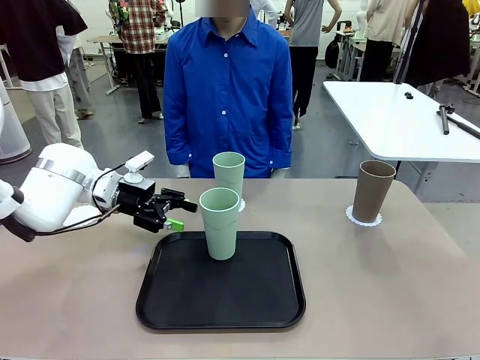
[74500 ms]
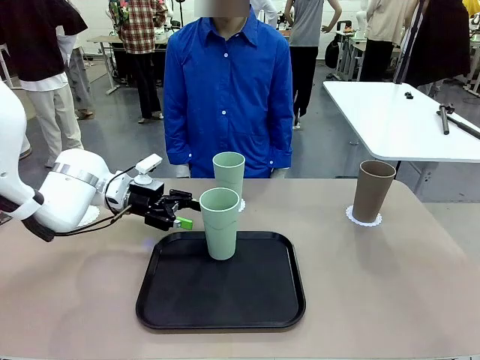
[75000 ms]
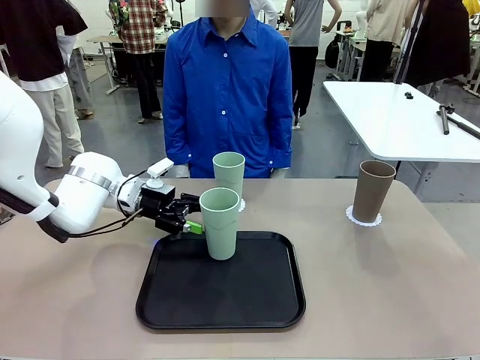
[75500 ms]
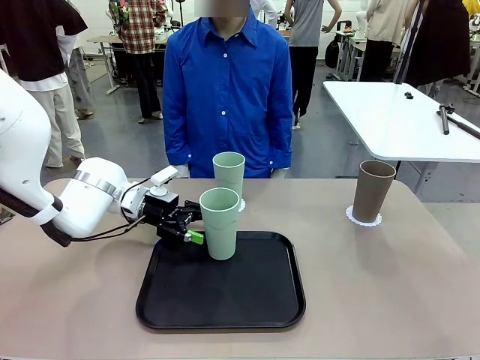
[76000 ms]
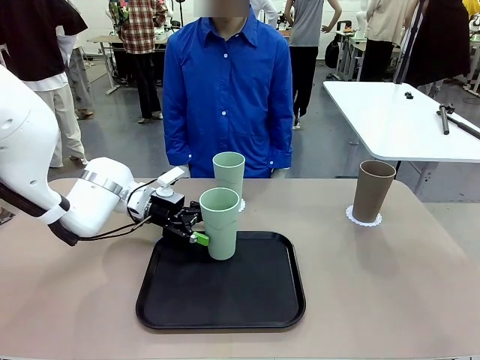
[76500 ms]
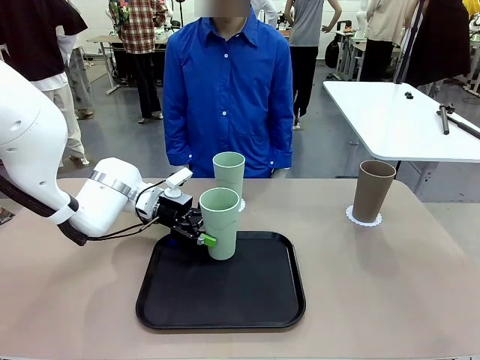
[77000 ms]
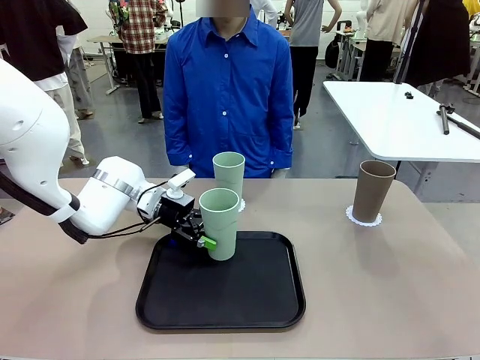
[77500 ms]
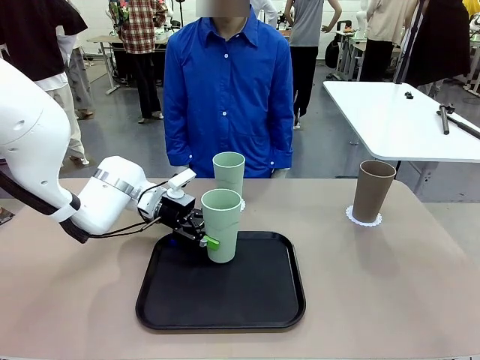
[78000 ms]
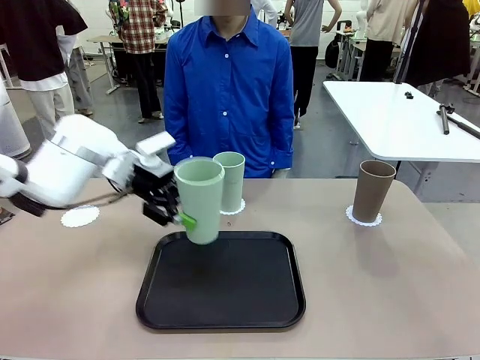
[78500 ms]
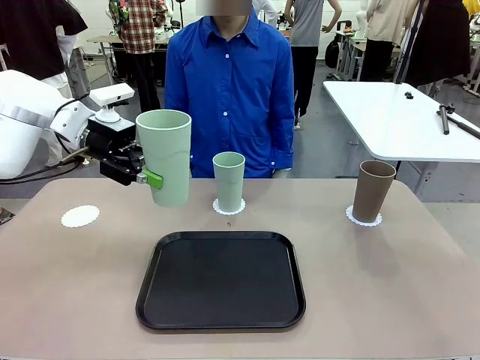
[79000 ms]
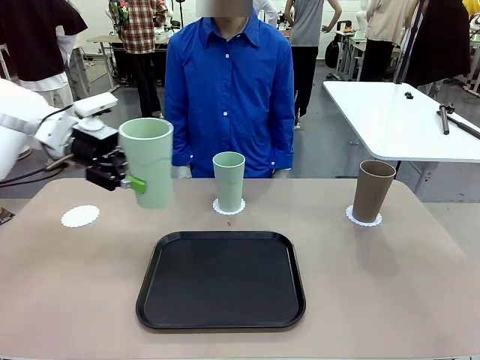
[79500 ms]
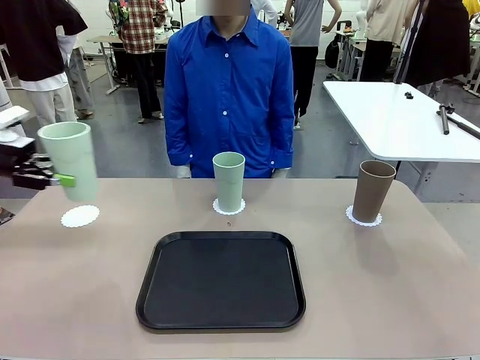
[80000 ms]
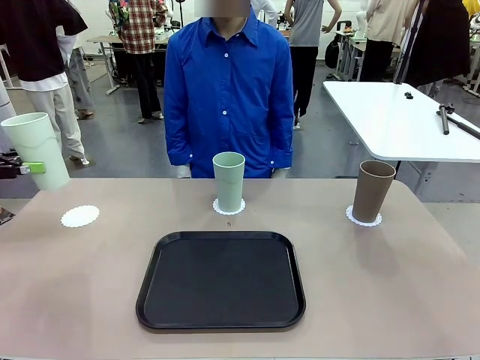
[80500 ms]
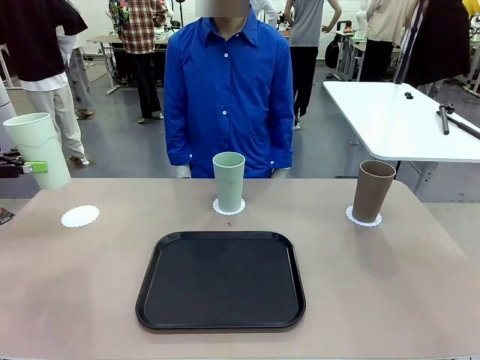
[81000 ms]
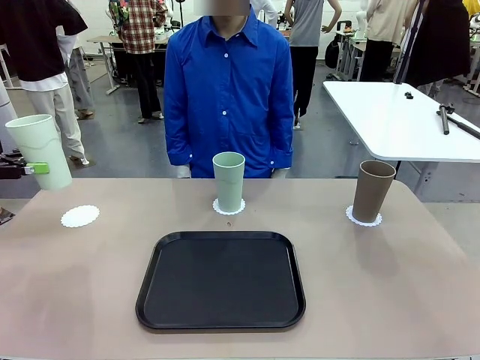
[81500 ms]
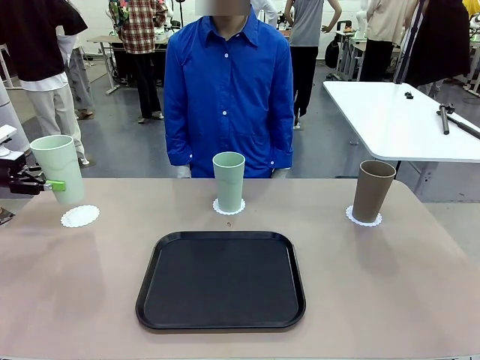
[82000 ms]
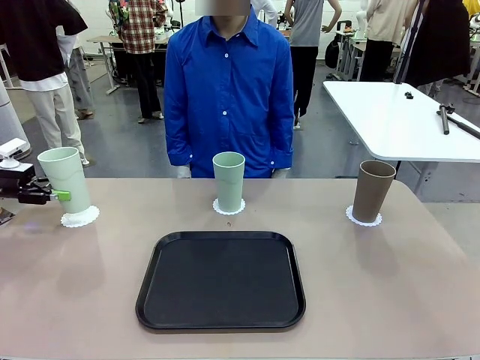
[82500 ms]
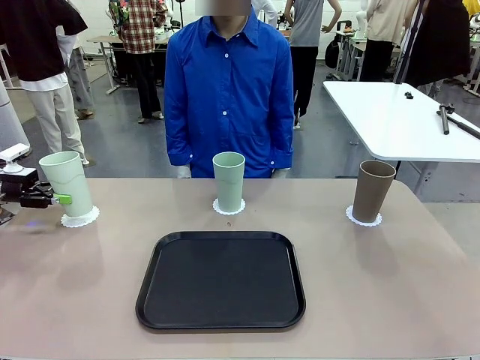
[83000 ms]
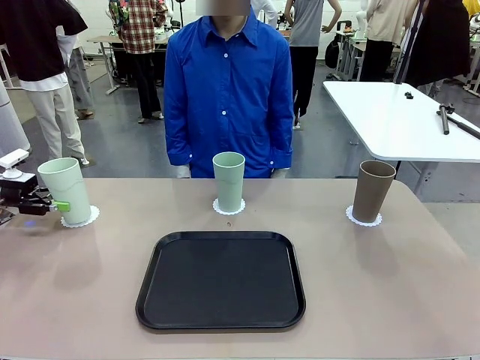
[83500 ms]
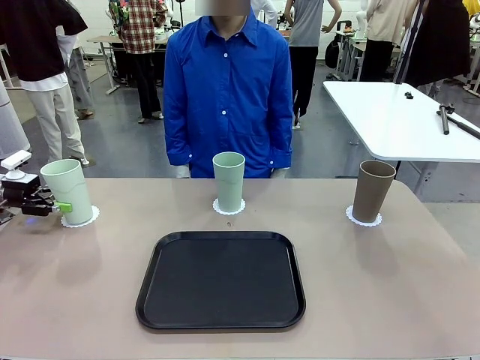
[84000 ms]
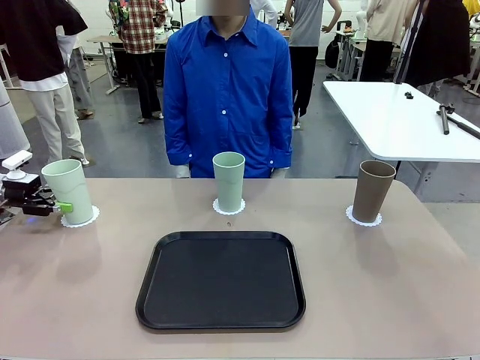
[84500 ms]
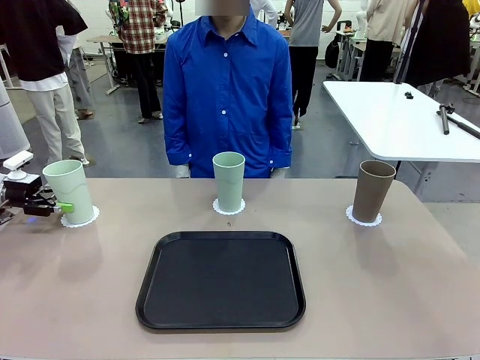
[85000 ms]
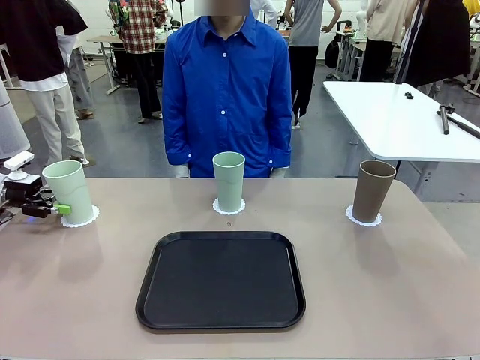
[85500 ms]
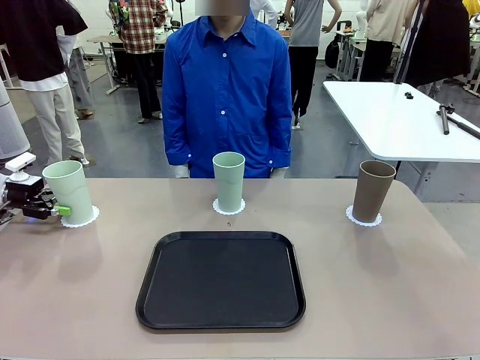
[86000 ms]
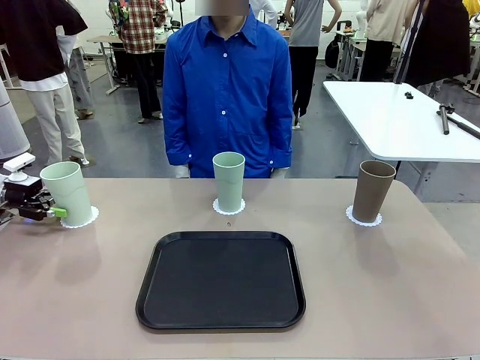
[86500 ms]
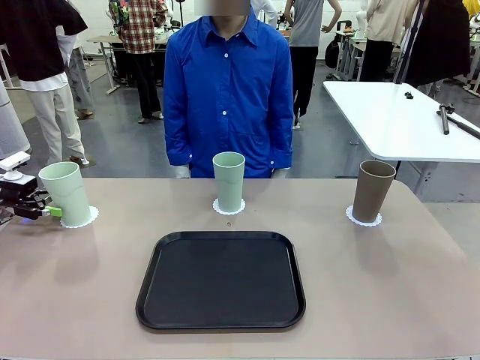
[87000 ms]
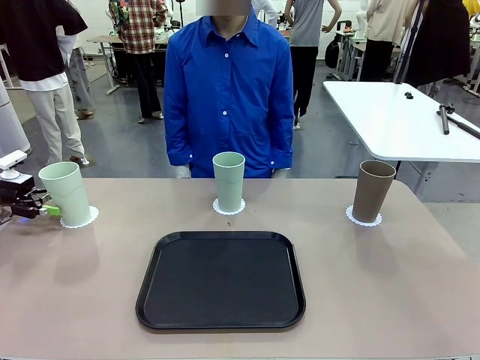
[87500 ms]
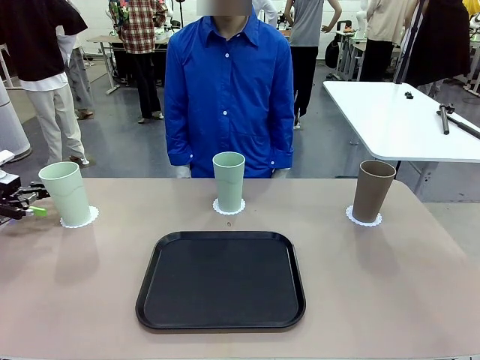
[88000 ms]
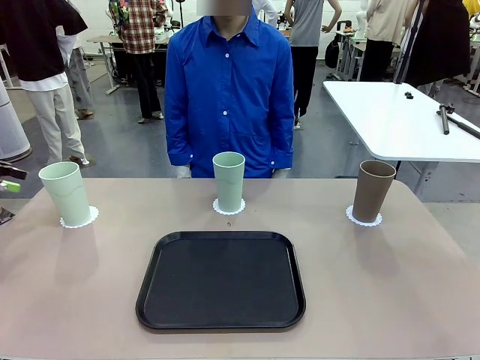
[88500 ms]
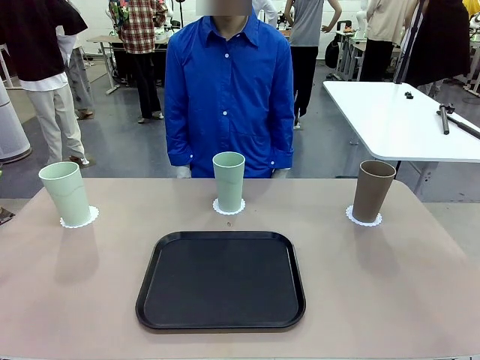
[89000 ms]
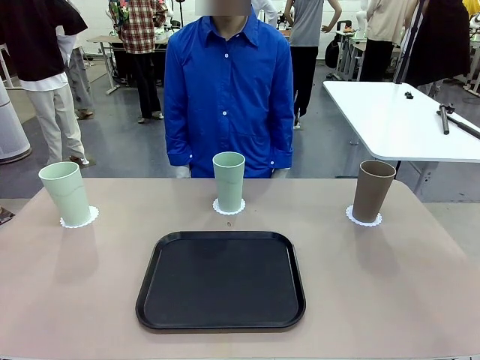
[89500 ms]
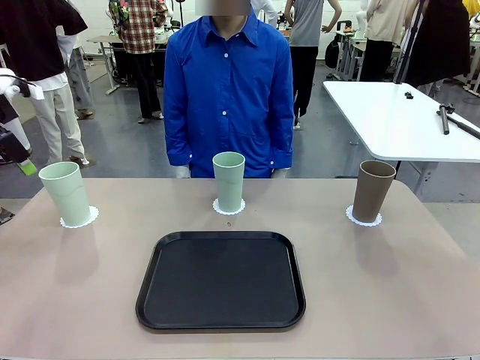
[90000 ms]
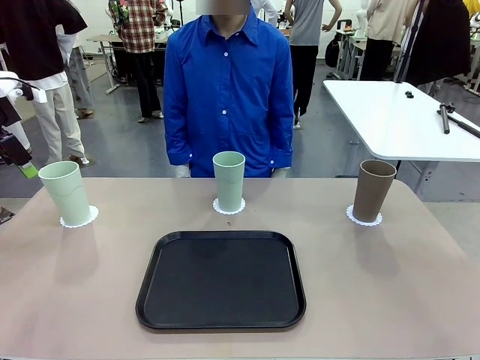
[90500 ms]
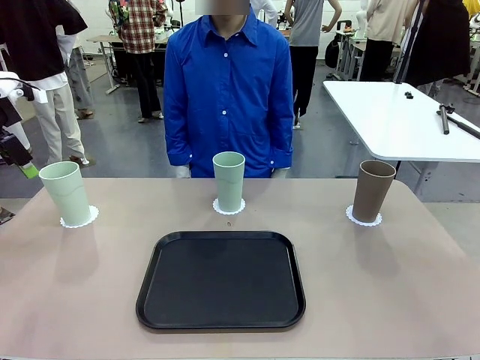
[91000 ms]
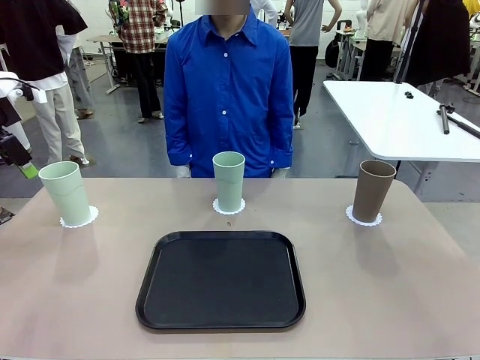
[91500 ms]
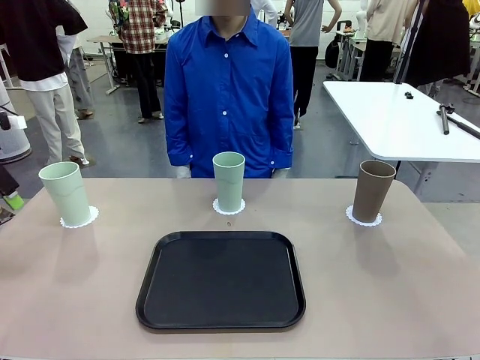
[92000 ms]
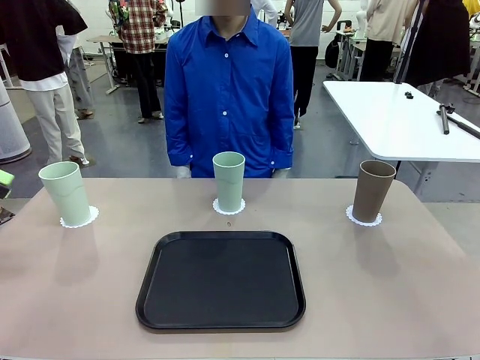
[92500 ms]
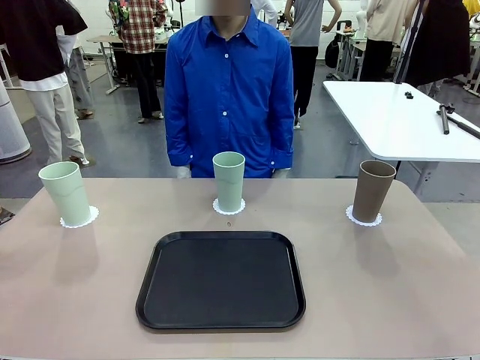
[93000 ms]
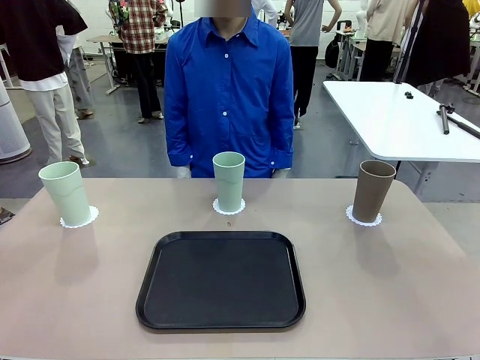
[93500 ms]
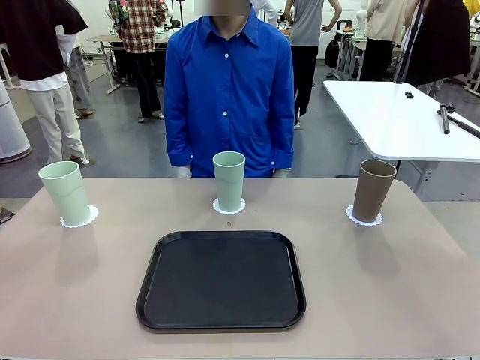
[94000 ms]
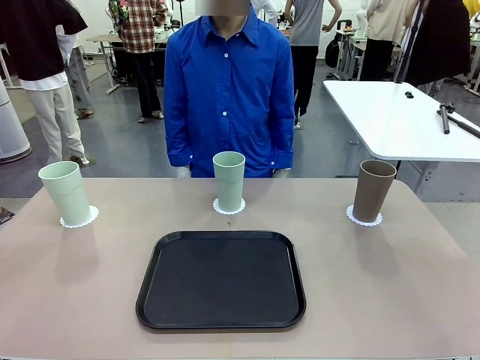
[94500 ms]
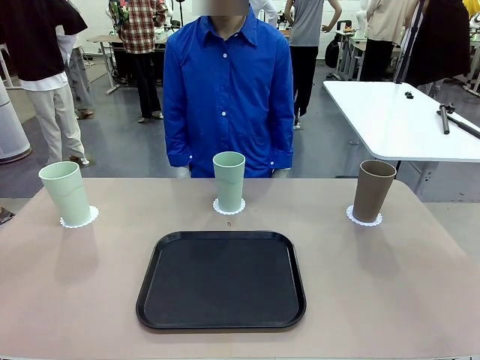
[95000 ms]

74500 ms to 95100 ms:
Task: Place coasters on the table and set cups on them.
Robot: Take one Reusable plastic cup from the Flat Tray and place it on a coaster set by the human.

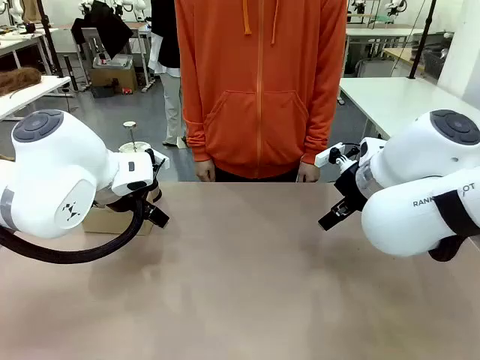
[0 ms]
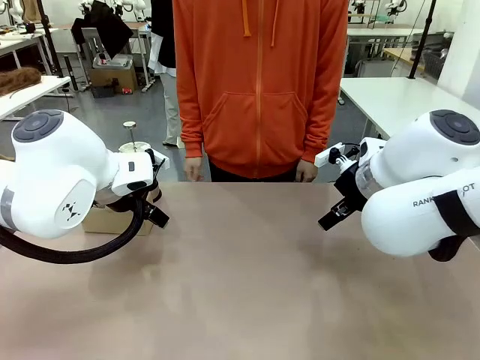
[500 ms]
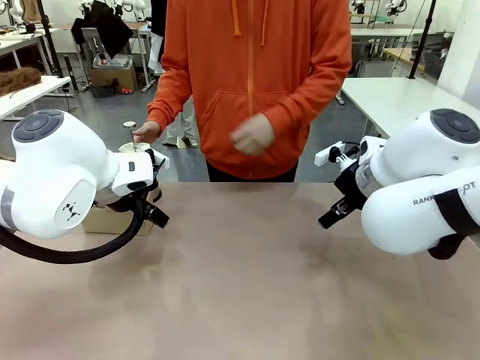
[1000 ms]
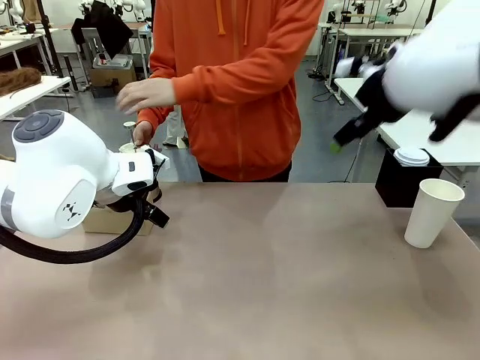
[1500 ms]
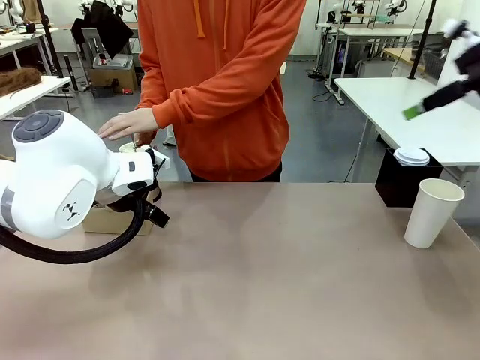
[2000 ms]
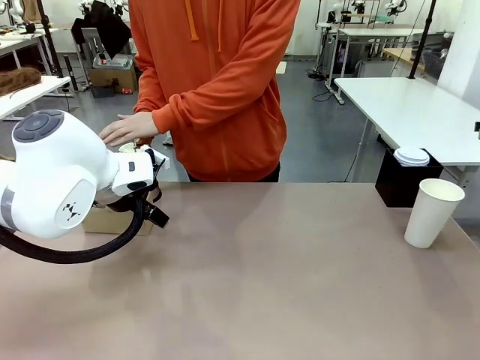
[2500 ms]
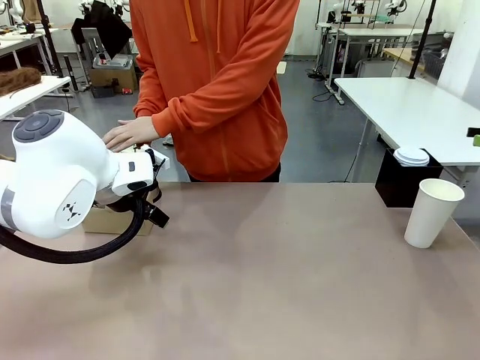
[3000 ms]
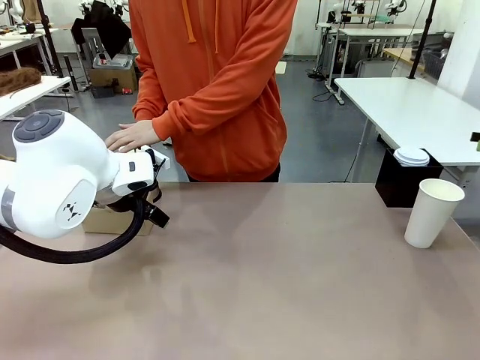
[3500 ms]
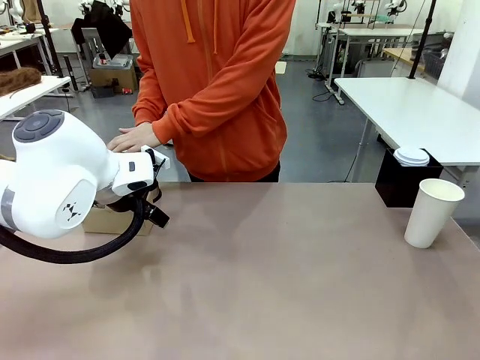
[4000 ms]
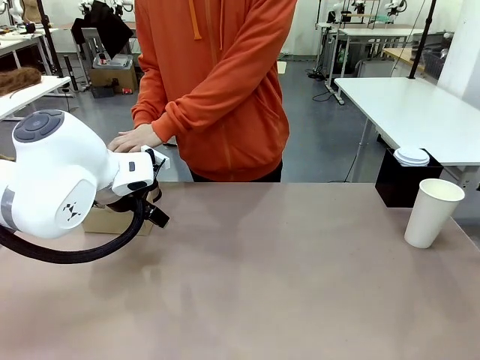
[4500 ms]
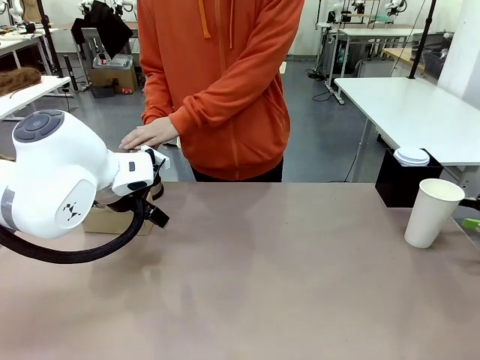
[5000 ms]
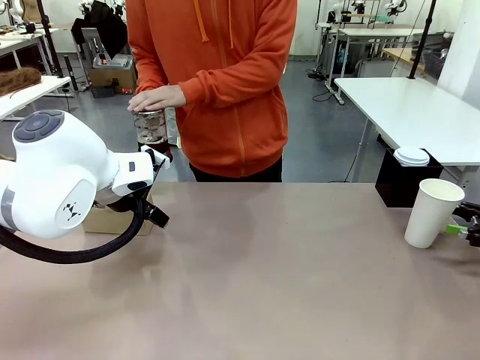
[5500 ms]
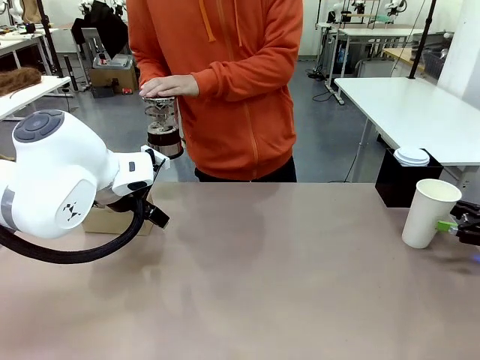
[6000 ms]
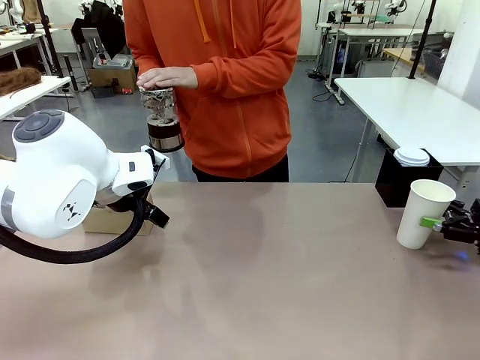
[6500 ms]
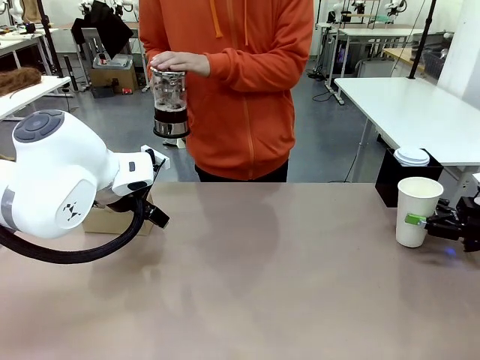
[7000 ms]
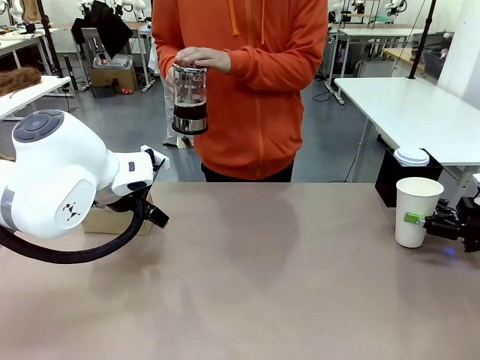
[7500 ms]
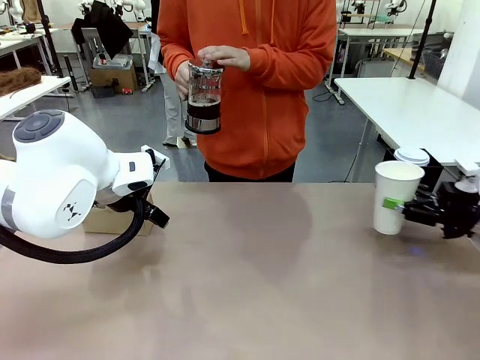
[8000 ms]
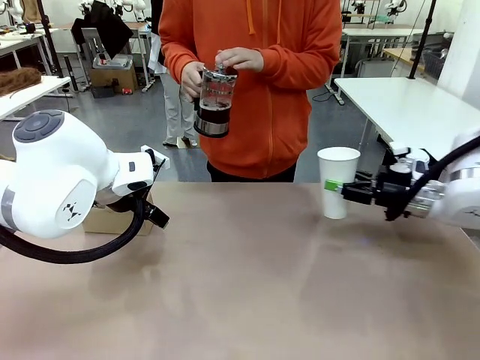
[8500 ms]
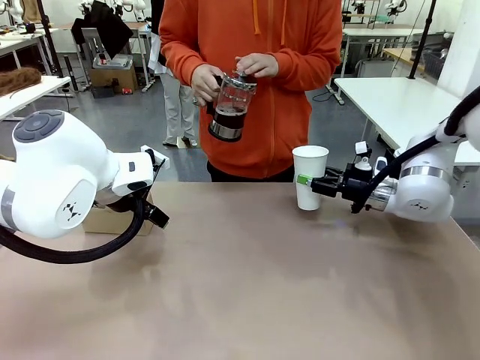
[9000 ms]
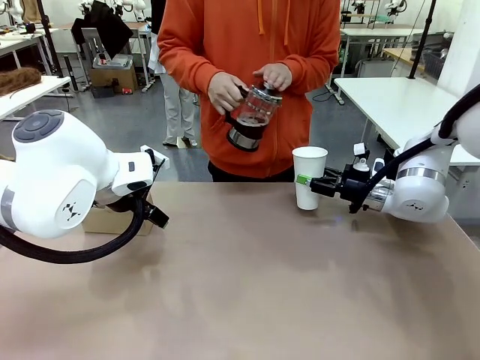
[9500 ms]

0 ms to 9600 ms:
Task: Pour a drink into a cup and package it in a carrier.
Robot: Pick up the 600 ml Paper Cup and place it in the middle top area of the table.
Person: Press and pick up the Filter Brewing.
